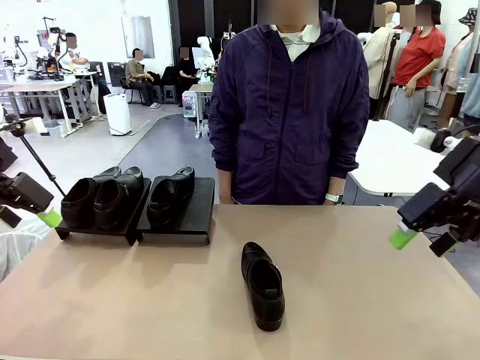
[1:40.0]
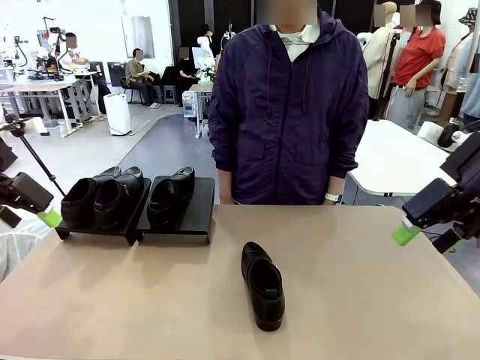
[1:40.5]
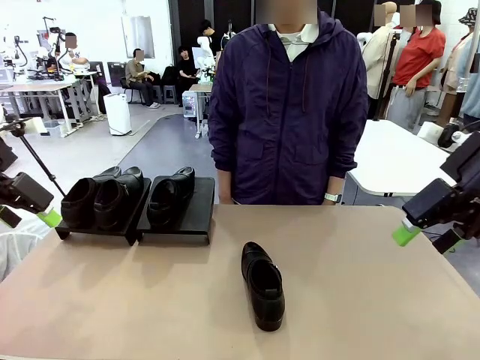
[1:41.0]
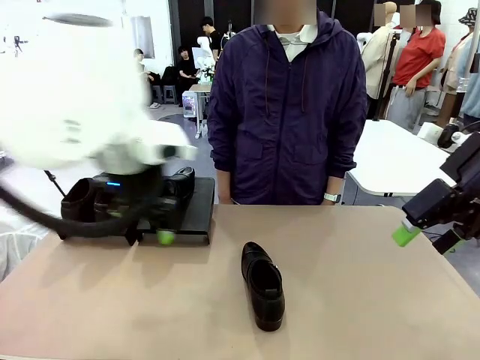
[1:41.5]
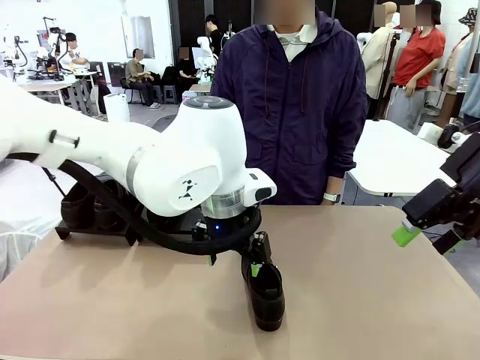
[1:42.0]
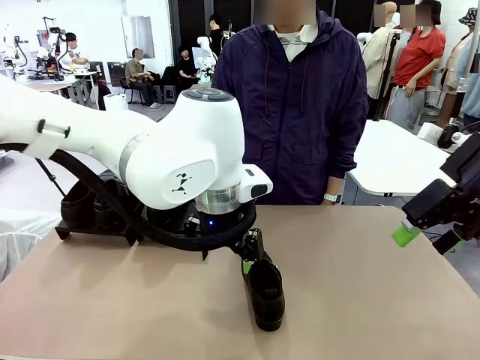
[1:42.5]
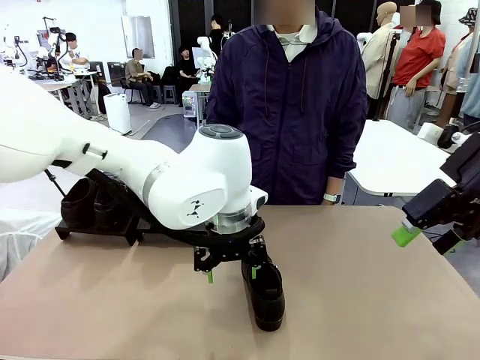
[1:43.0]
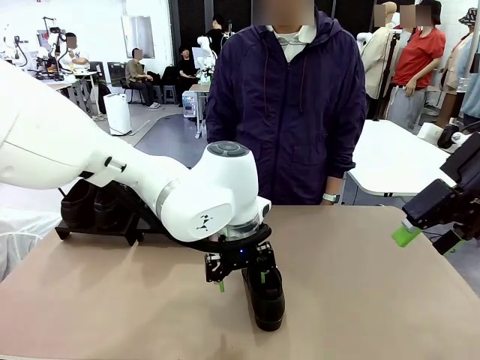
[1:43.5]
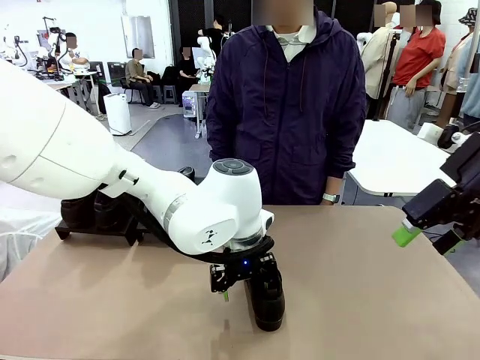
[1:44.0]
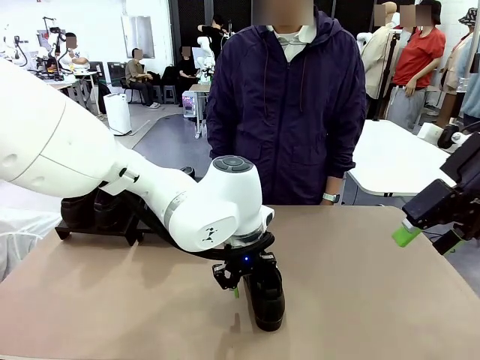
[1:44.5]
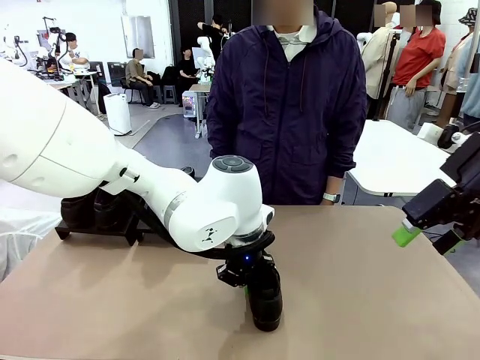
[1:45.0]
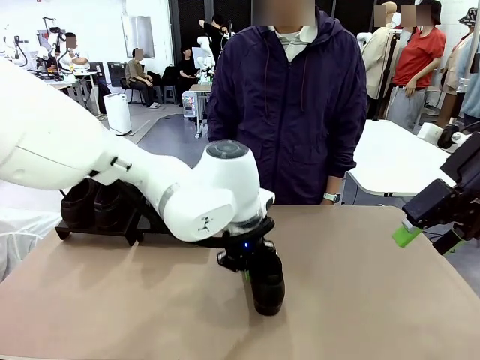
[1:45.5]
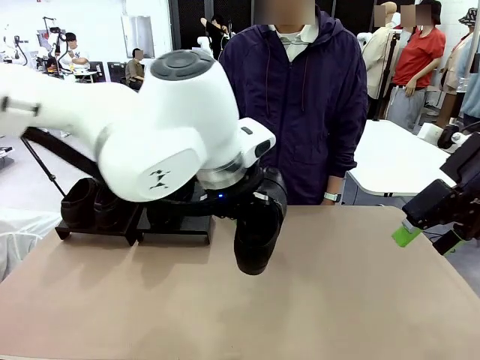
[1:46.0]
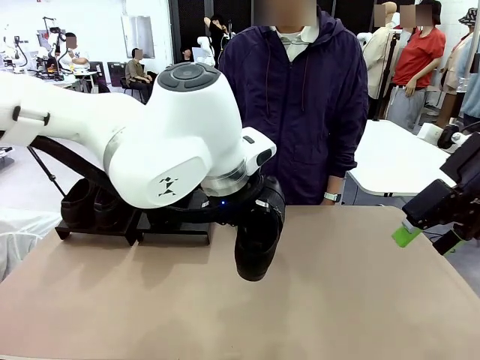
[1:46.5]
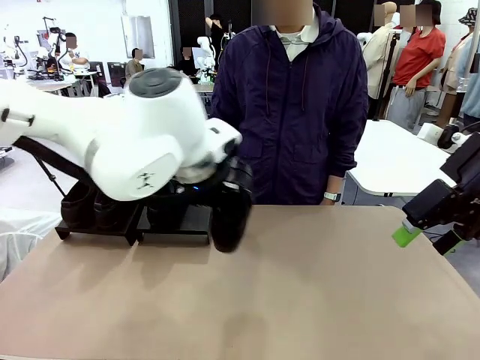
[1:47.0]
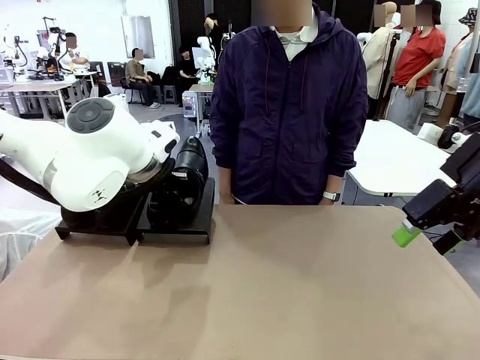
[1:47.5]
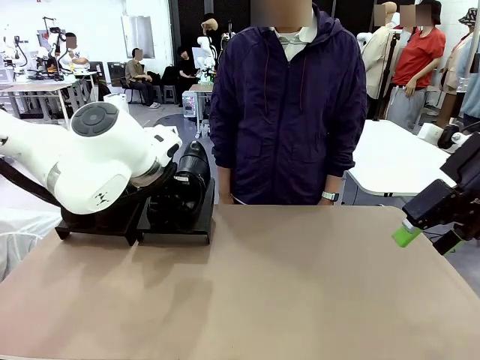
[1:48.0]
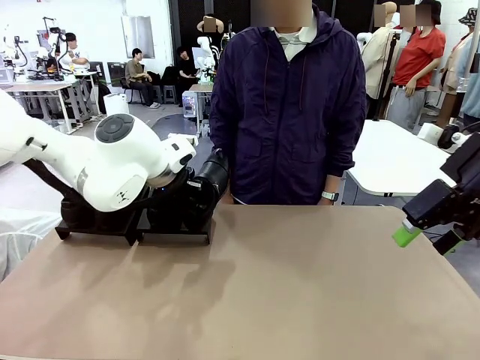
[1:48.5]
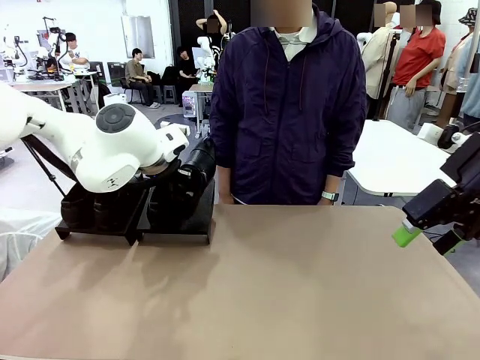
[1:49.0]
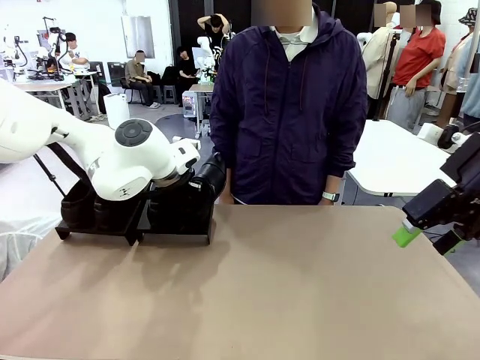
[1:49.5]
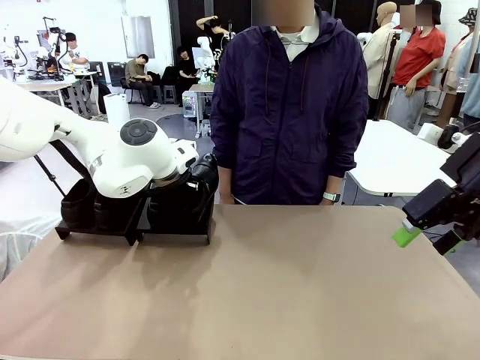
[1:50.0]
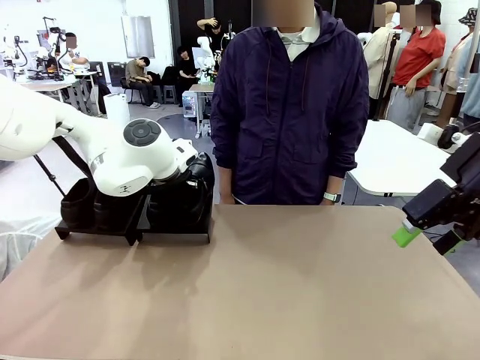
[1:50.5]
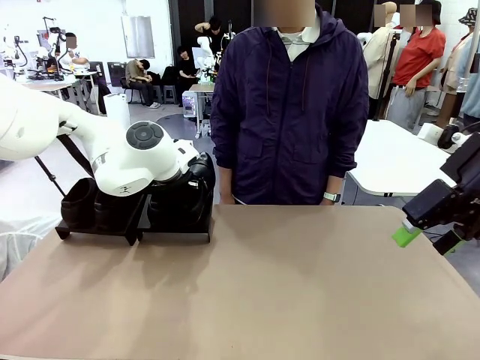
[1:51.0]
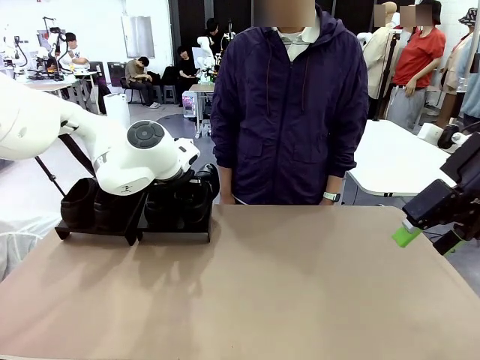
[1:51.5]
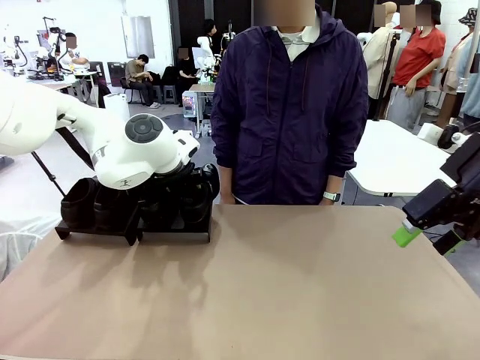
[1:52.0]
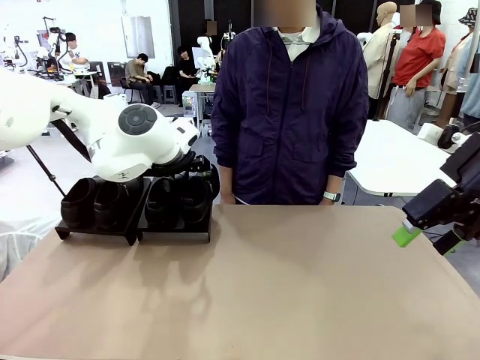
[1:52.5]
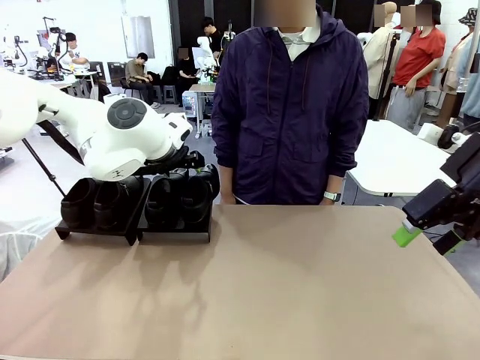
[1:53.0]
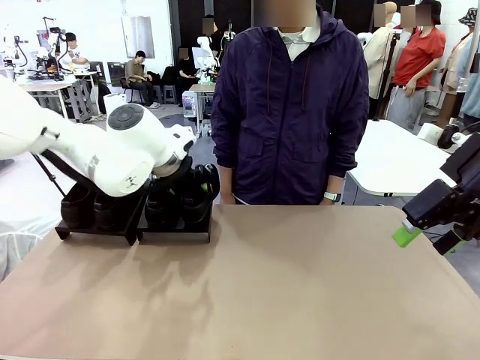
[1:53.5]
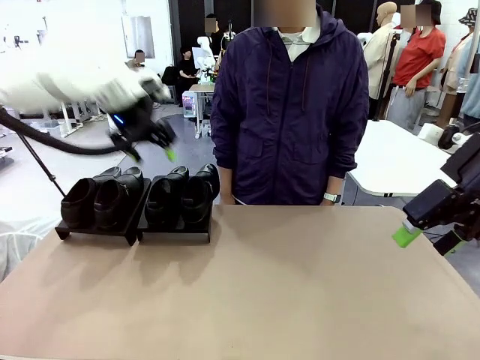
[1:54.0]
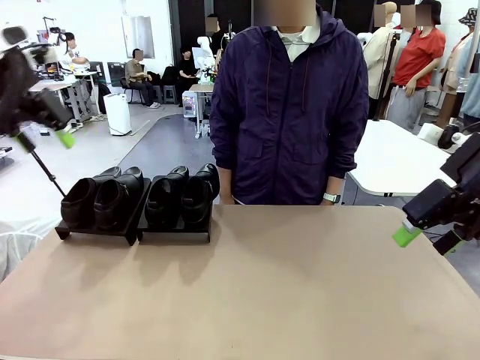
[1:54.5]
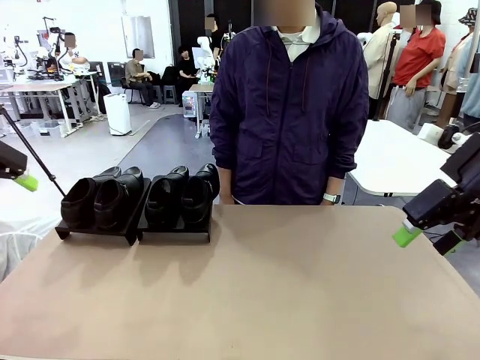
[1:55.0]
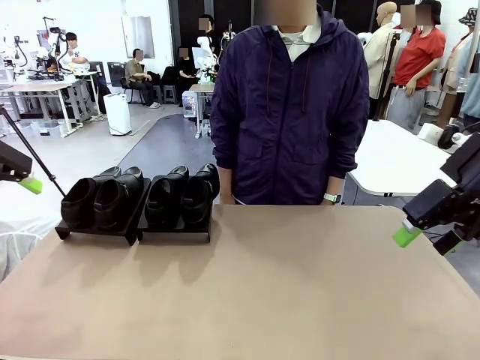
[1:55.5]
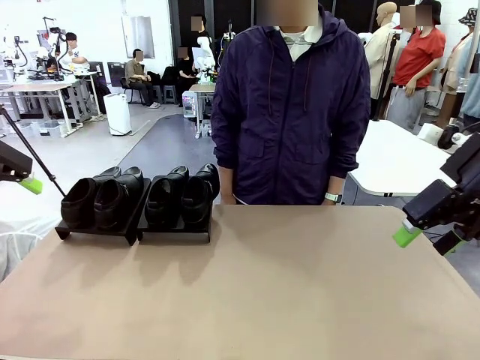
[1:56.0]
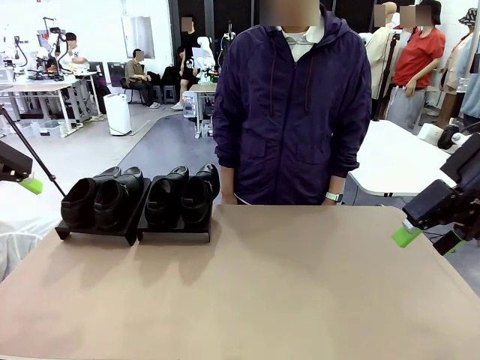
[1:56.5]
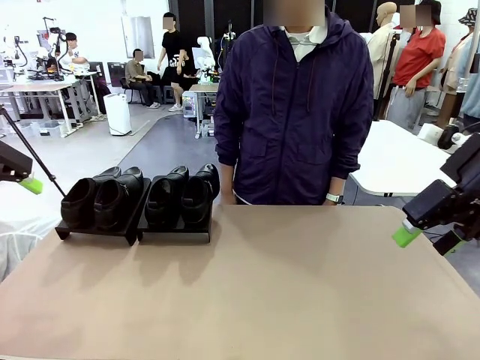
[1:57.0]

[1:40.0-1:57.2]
Task: Organize the shoes by placing them on the stand.
Robot: Place the Shoe from the middle of the table onto the Shoes Stand.

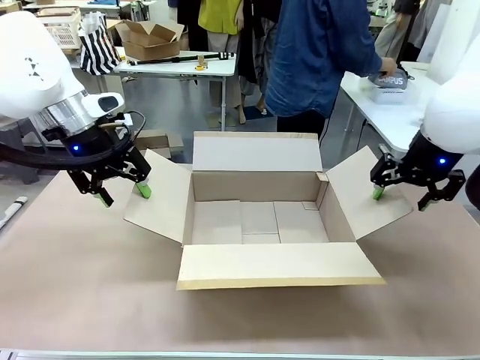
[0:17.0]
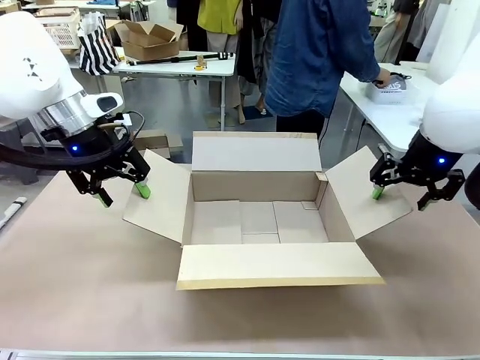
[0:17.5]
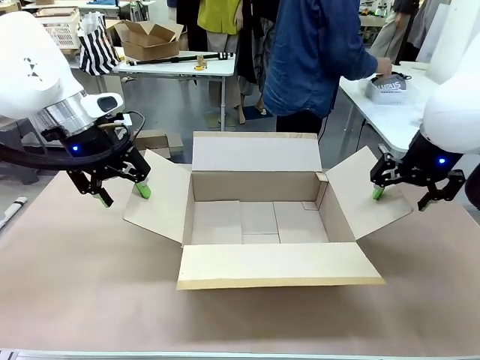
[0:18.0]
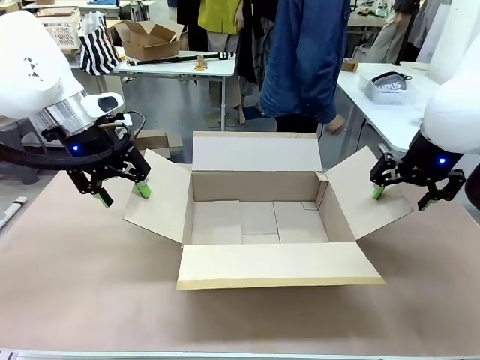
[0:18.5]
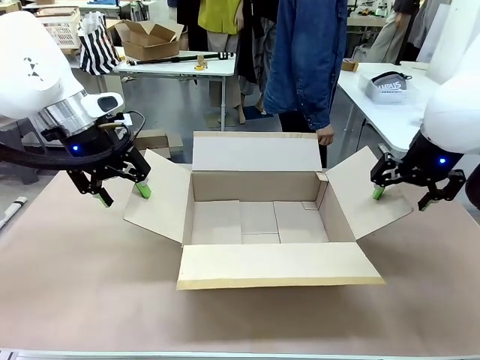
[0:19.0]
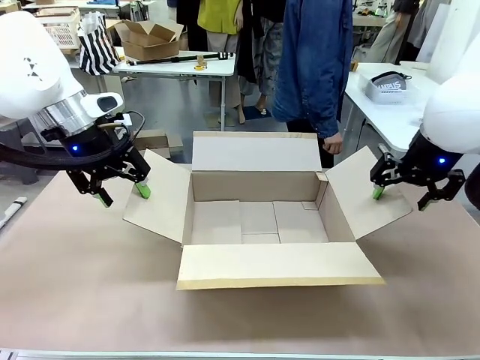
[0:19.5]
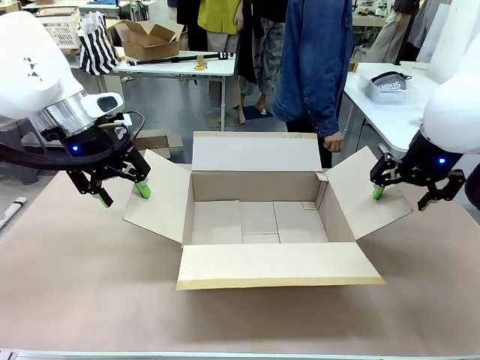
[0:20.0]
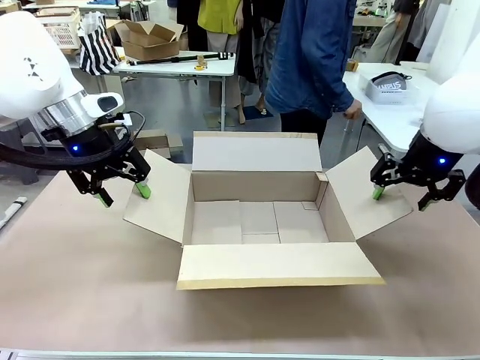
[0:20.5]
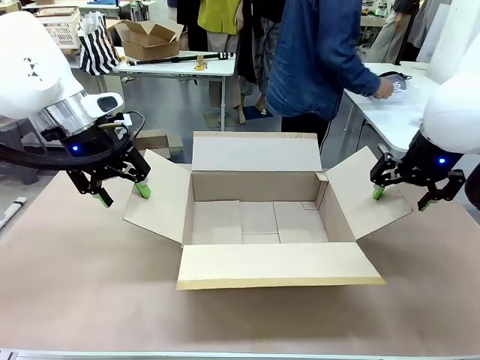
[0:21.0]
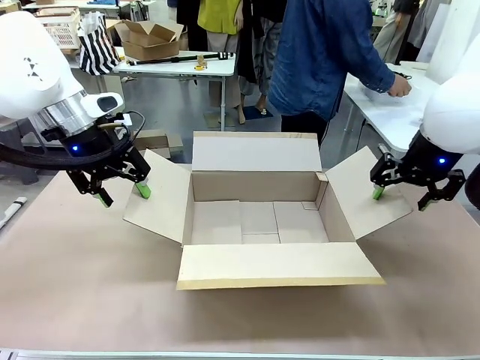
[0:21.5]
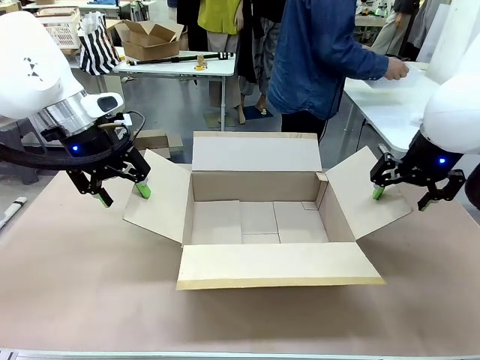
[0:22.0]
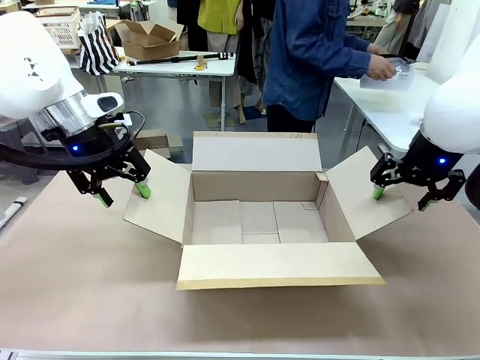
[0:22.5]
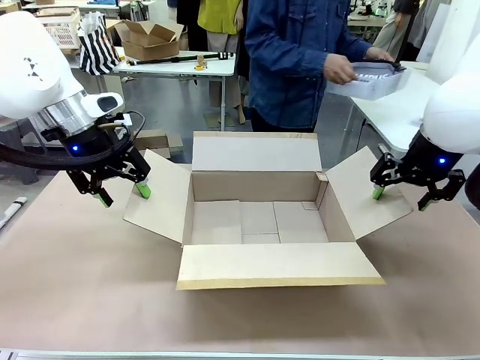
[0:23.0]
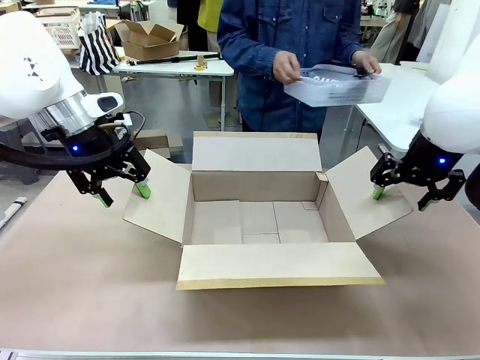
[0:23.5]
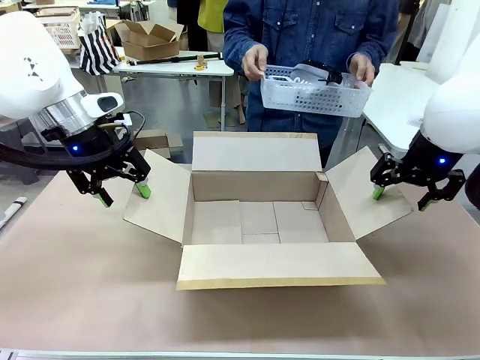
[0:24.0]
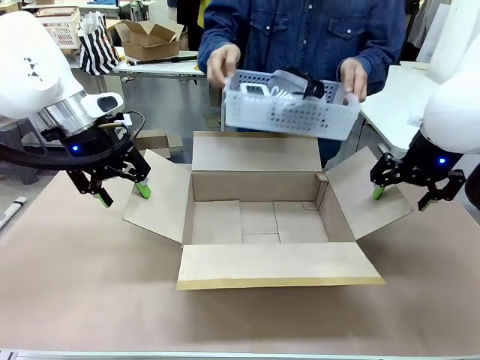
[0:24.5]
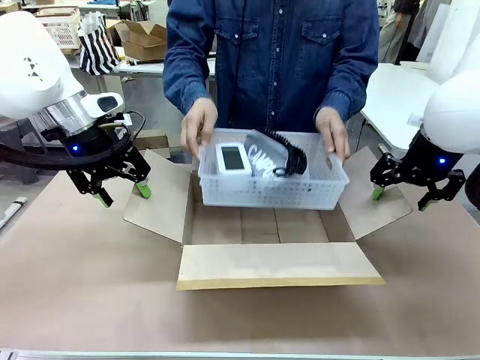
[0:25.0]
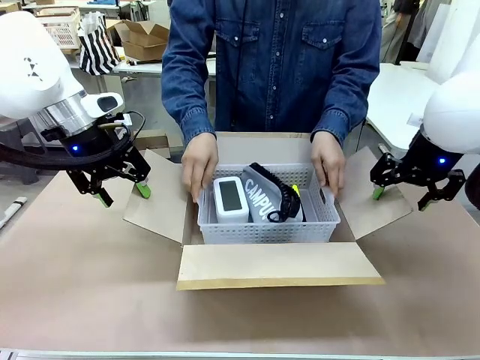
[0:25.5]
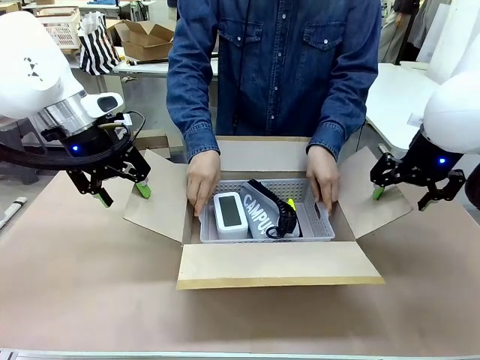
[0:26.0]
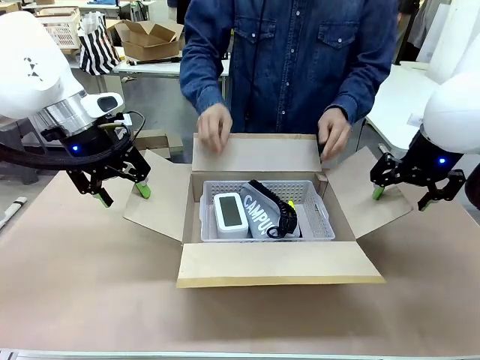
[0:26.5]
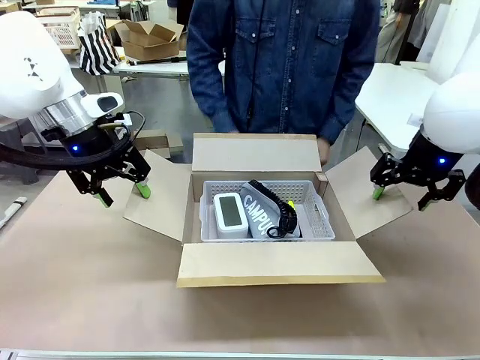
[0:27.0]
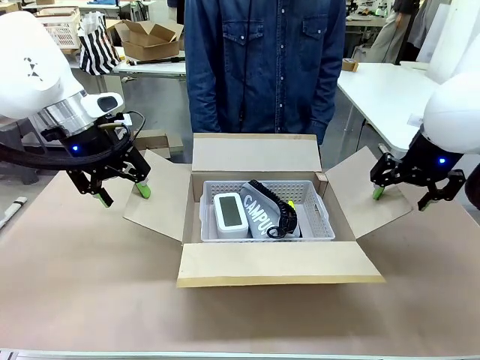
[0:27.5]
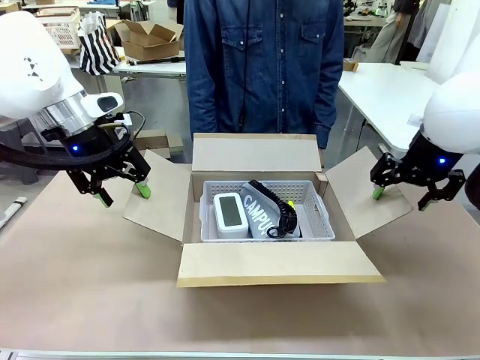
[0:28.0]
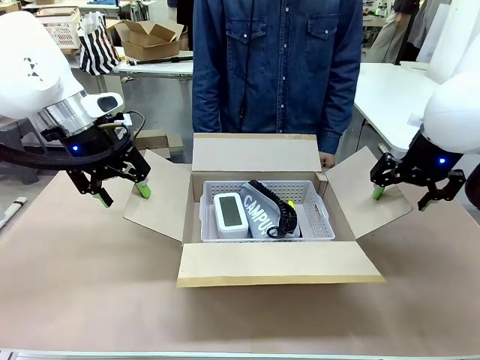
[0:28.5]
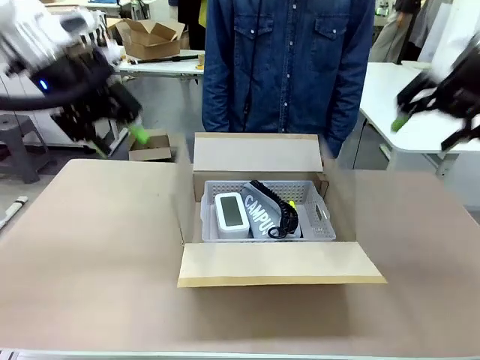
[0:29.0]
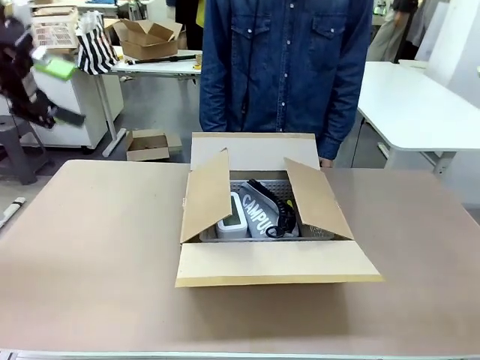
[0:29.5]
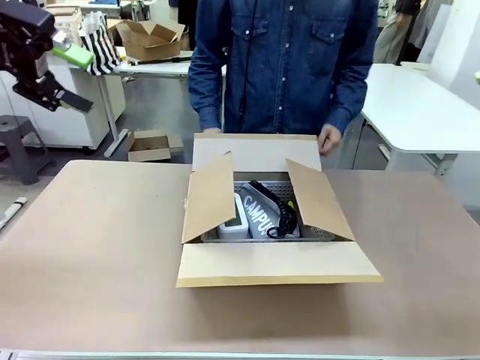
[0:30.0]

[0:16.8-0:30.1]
Task: Pack the gift set into the box.
Robot: Lift both hands away from the flaps of the Package Box.
Person: The human picks up the organizing basket and places the organizing basket into the package box on the robot table.
